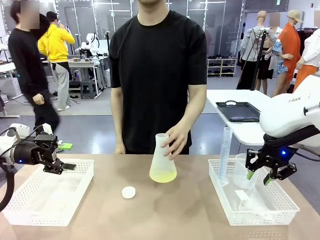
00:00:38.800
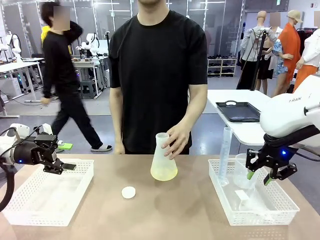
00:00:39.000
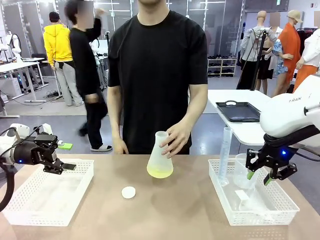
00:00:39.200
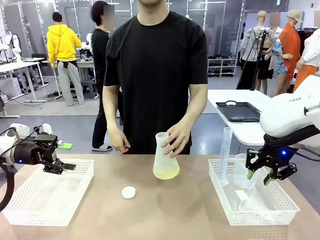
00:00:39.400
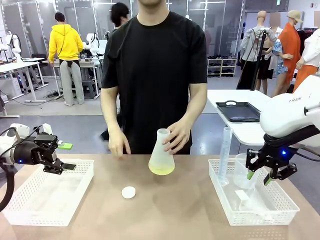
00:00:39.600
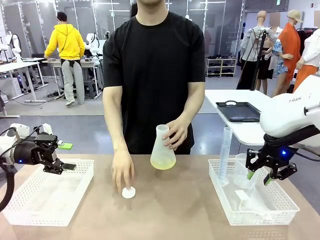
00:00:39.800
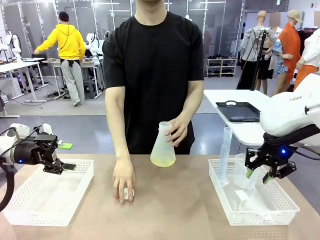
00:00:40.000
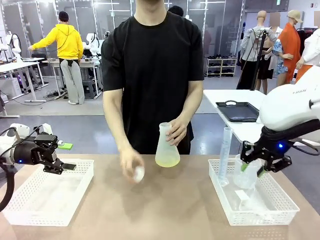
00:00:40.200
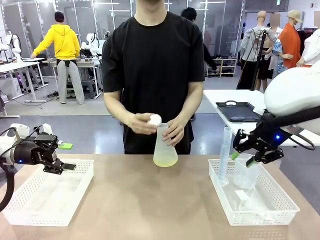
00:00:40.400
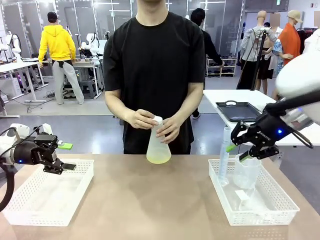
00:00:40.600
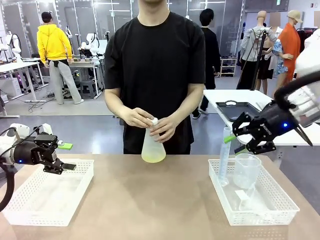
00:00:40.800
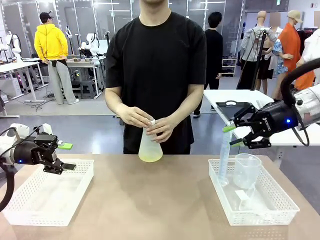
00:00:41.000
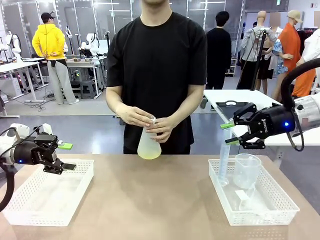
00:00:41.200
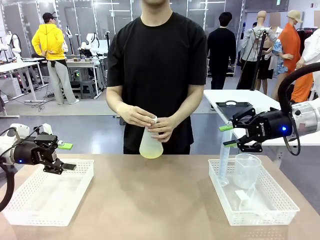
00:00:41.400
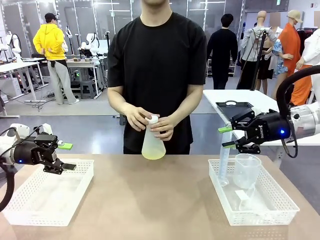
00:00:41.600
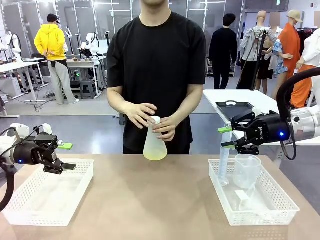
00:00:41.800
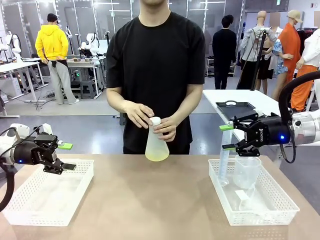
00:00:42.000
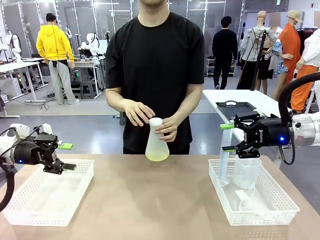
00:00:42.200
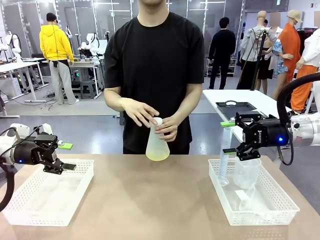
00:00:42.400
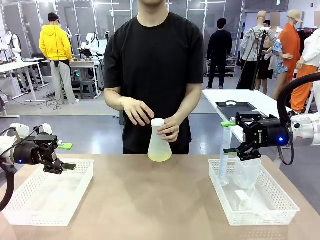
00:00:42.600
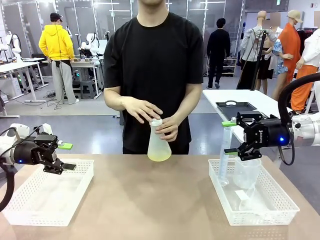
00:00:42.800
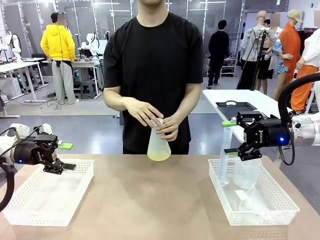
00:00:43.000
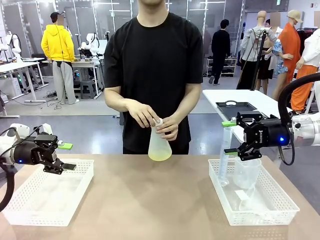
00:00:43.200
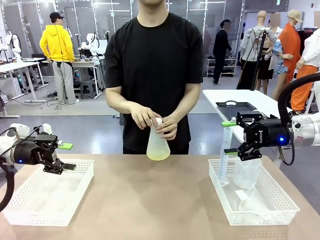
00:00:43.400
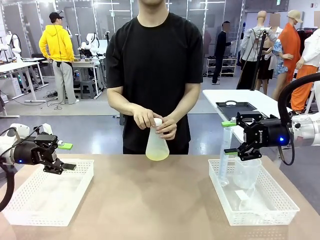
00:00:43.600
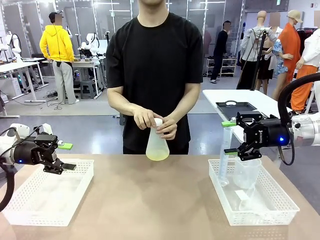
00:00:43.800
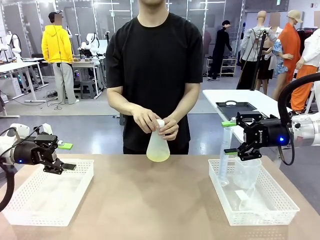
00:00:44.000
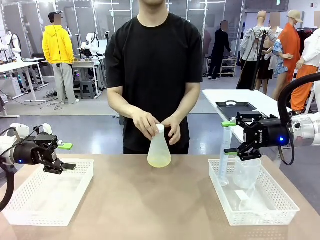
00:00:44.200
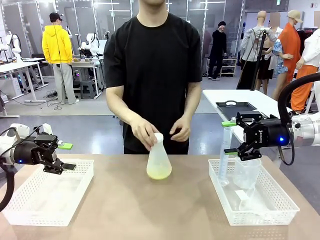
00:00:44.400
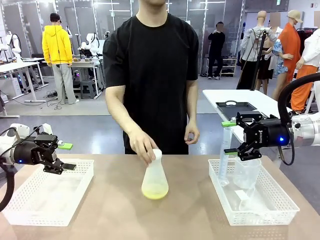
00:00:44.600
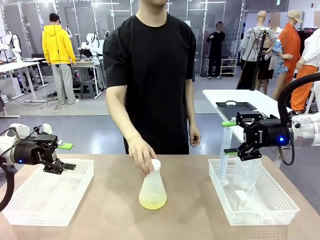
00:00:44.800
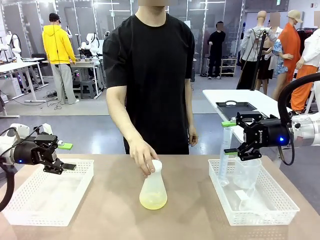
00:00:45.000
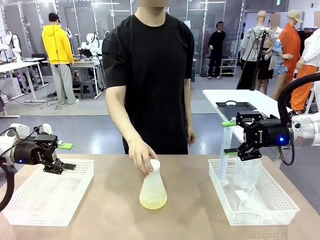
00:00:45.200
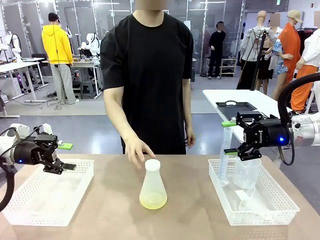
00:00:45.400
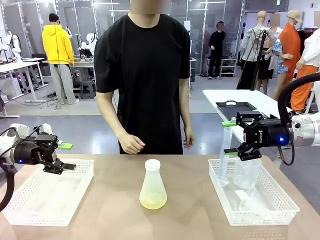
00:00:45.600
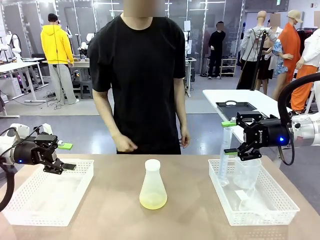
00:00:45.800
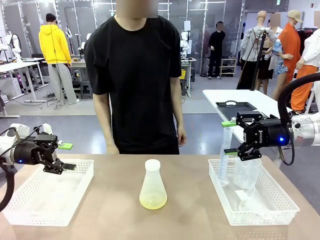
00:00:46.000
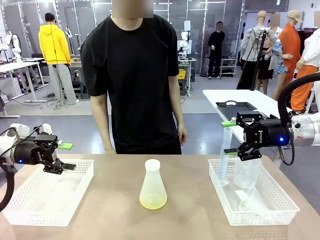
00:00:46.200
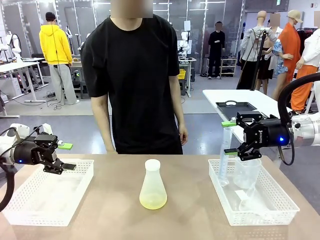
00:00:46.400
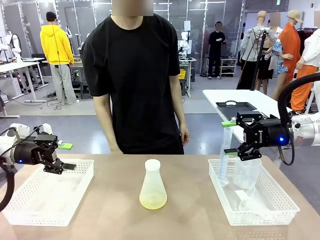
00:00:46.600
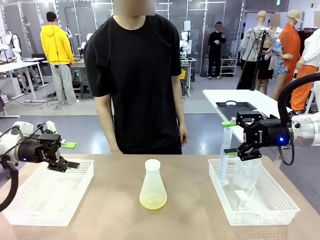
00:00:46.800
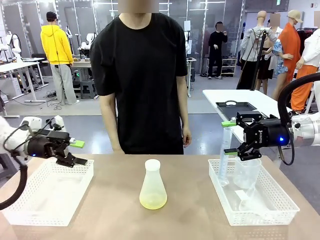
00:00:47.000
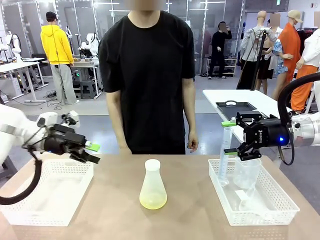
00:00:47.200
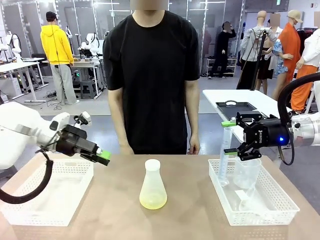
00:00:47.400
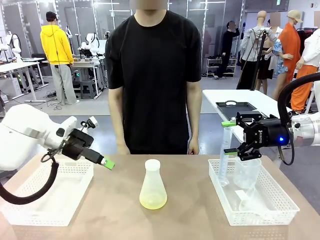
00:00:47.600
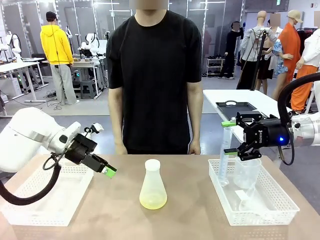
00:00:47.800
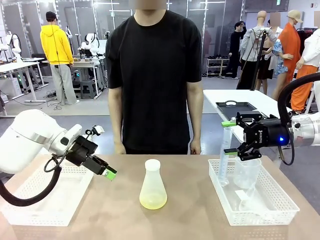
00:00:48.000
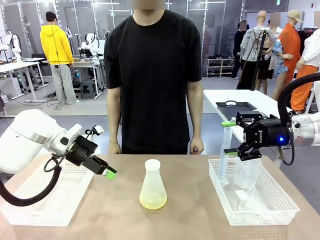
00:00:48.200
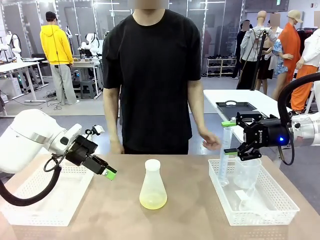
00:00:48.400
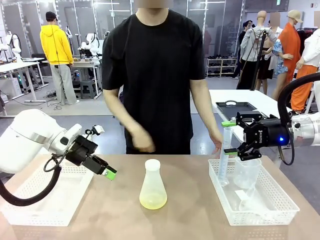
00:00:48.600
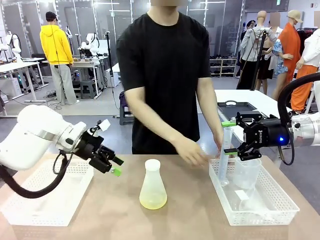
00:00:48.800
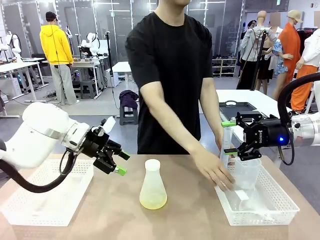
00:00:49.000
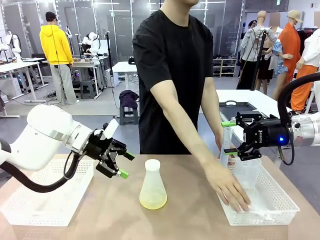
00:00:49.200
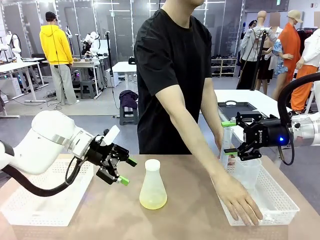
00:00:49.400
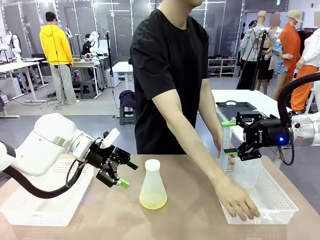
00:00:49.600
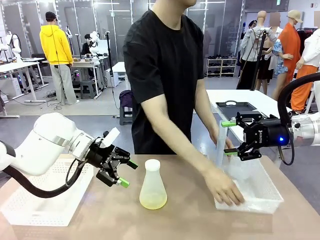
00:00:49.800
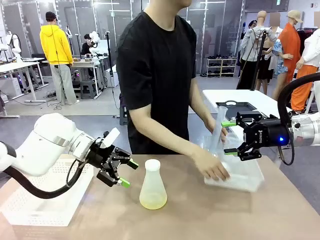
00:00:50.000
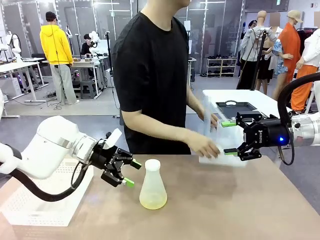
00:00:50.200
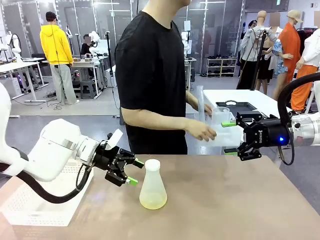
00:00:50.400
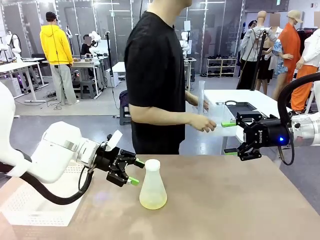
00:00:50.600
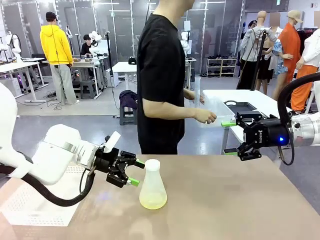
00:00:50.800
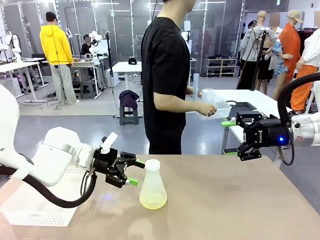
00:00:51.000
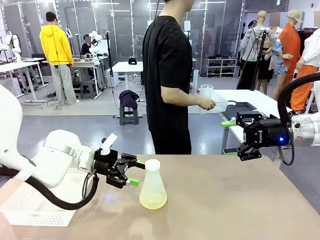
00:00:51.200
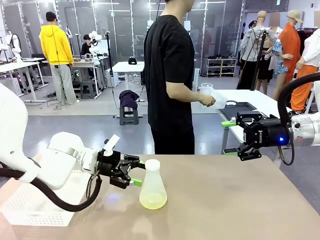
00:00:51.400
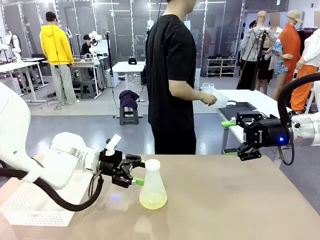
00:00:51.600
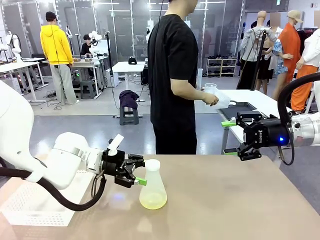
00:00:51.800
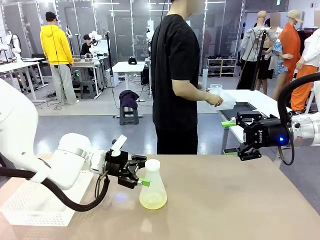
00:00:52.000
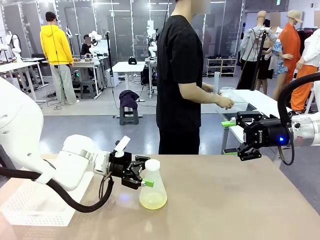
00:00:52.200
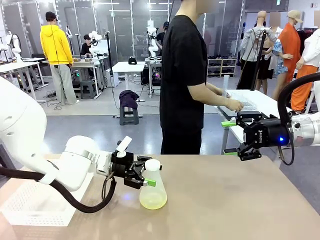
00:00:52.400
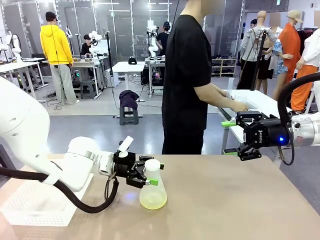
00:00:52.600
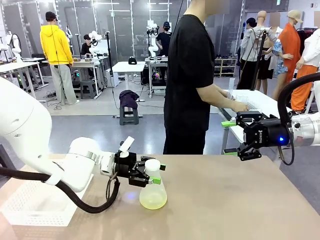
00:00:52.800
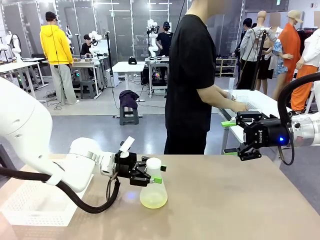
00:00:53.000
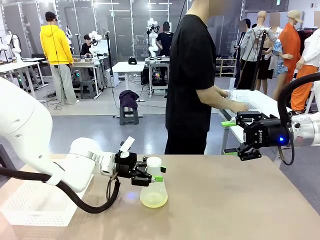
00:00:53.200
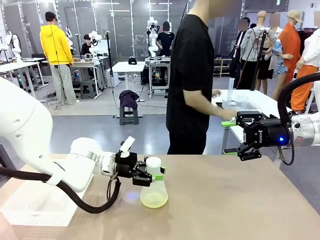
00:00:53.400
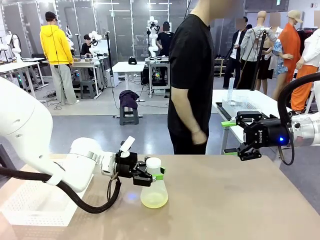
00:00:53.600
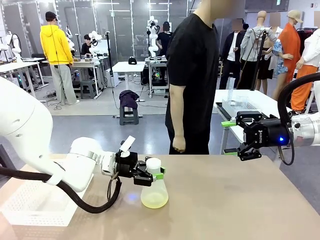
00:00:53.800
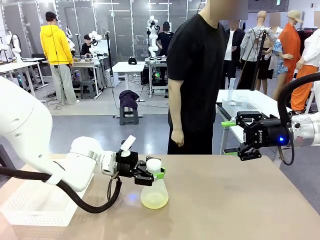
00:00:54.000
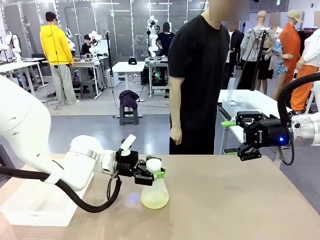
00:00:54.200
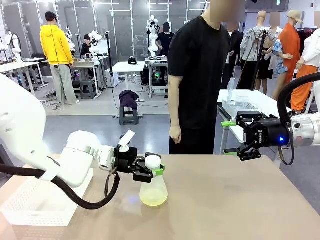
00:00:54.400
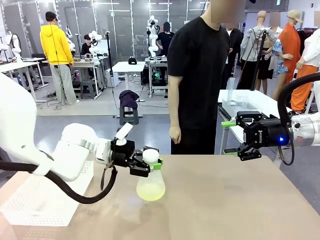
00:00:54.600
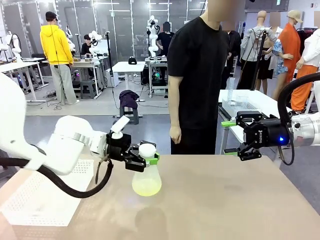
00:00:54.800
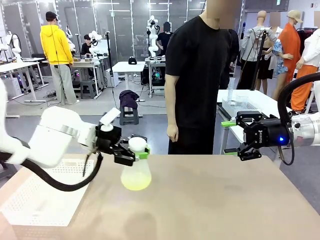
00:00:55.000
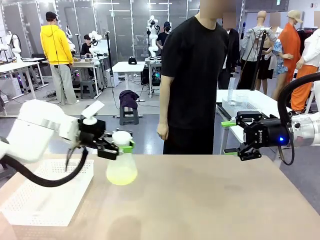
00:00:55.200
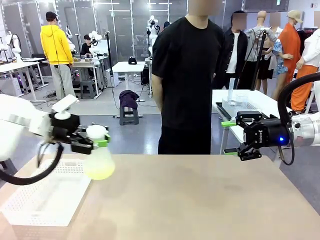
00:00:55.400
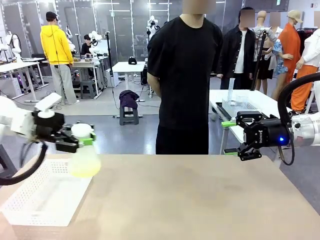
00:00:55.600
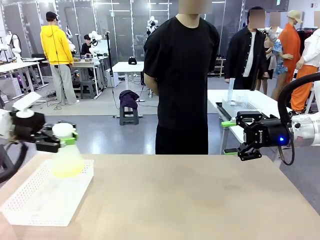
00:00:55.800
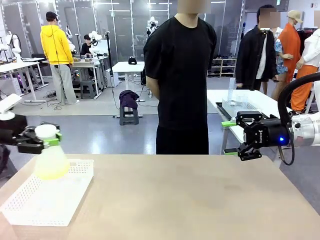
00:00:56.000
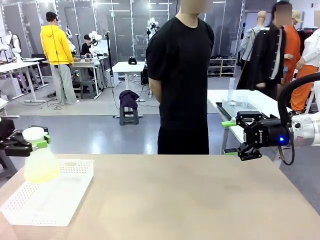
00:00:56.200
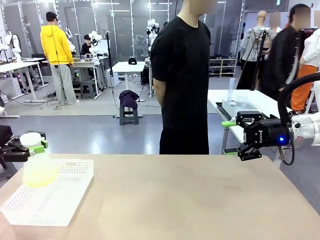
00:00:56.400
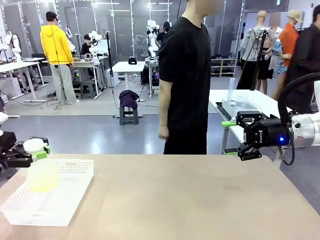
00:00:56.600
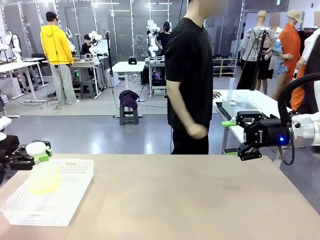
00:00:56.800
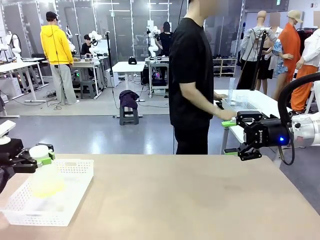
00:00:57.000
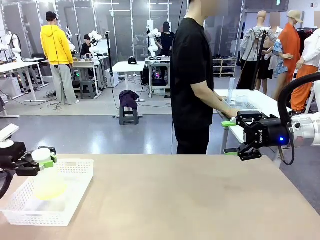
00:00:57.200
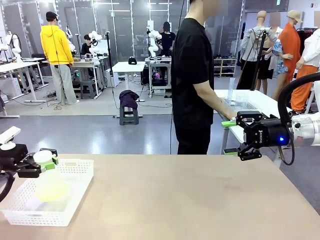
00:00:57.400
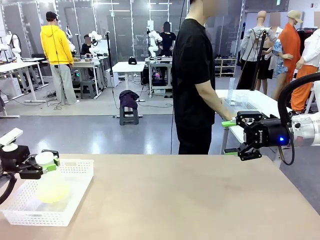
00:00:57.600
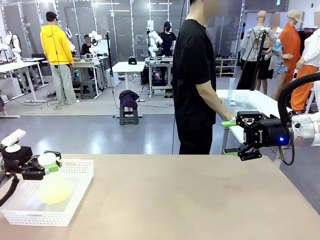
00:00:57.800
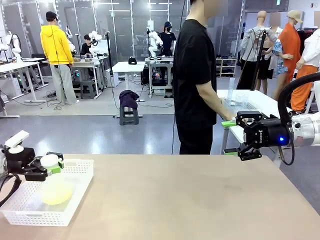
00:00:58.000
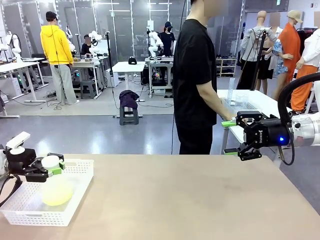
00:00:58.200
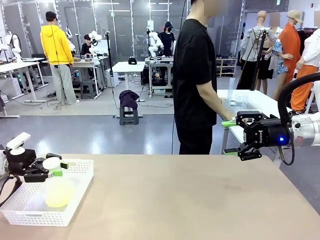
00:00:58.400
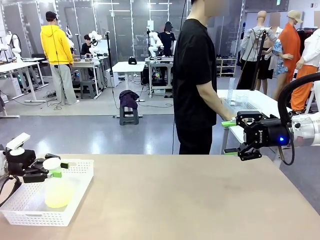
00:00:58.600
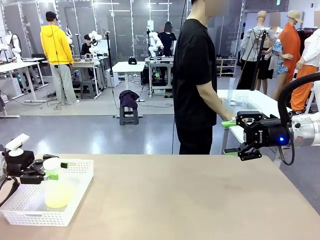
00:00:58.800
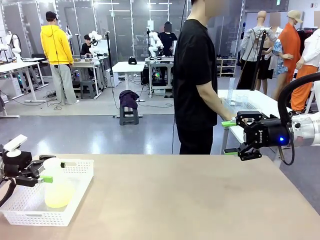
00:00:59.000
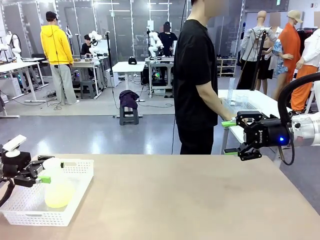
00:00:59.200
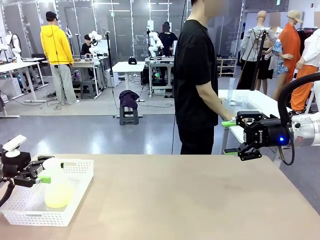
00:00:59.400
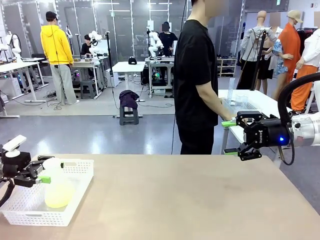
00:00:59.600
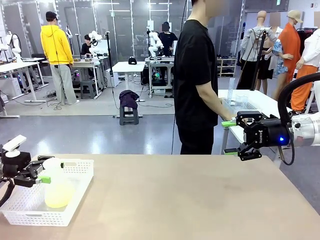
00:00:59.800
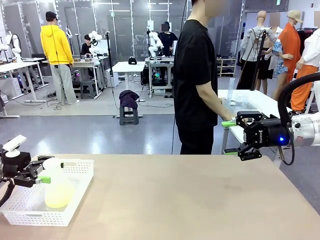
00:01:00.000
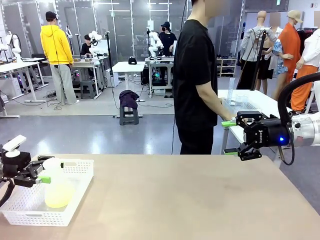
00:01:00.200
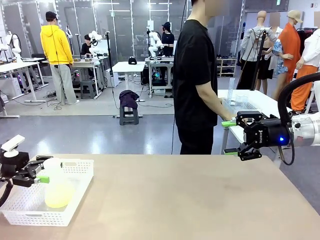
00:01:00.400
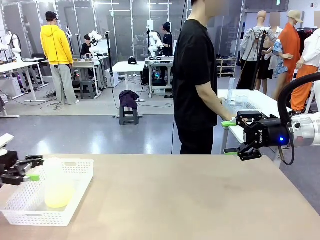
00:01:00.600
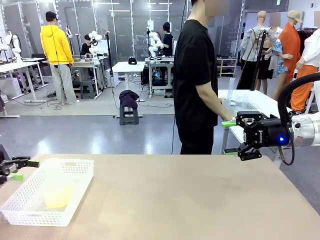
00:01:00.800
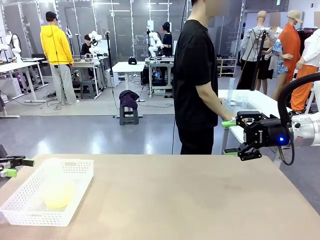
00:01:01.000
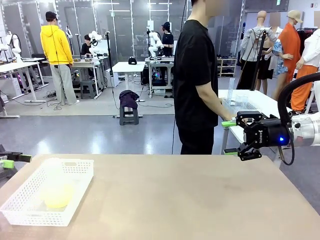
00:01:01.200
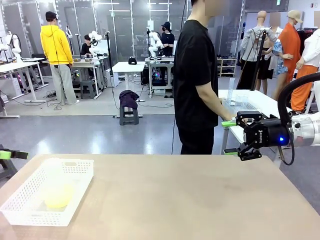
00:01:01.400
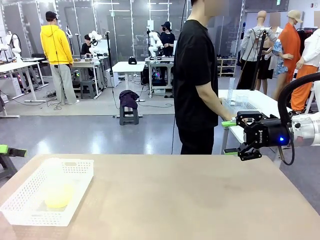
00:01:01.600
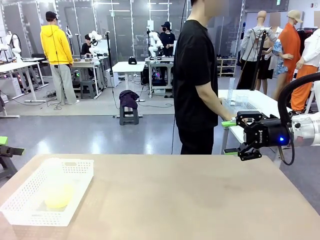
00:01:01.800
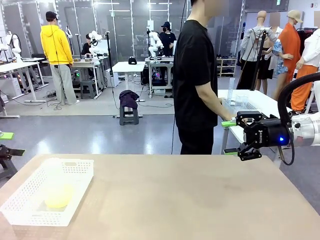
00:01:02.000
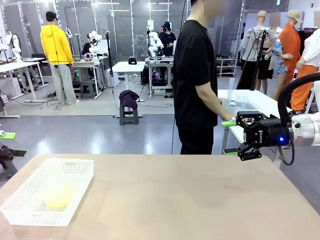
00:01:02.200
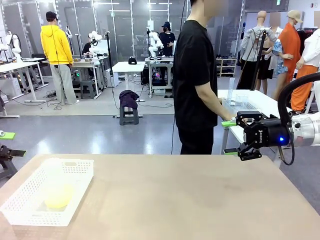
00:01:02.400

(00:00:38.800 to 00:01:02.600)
Task: Prepare the solutions needed for the experiment.
Robot: When the human places the Big flask in the center of the table, pick up the Big flask and place it in the left Organizing basket.
Person: Pick up the flask, gently shake it 2–3 times, place it in the middle of the robot table, and close the lid. Pick up the organizing basket on the left side of the robot table and place it on the left side of the human table.
